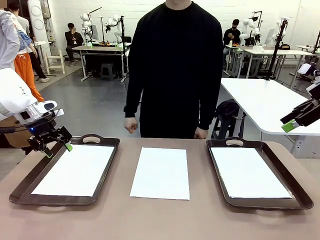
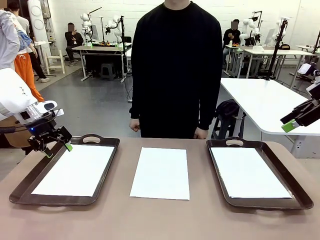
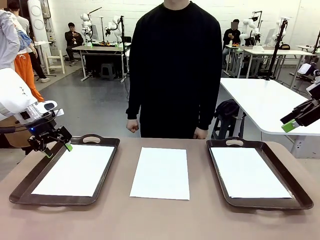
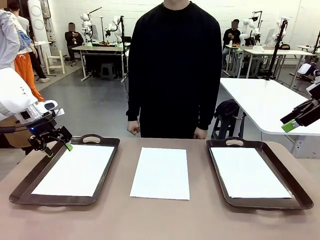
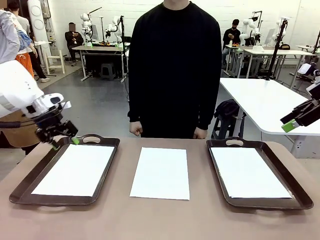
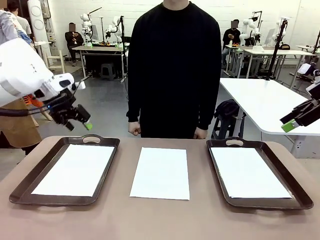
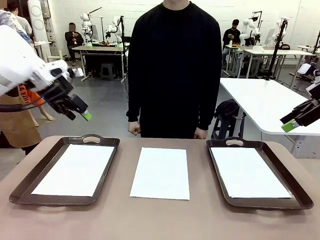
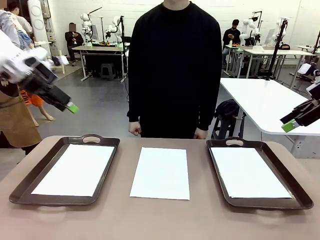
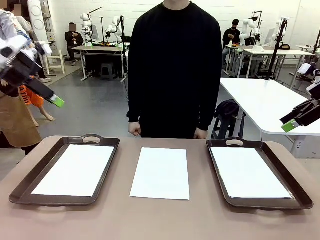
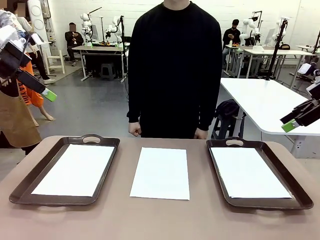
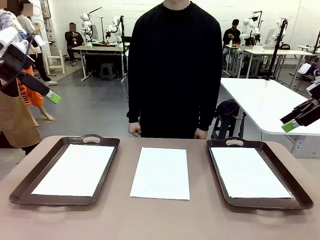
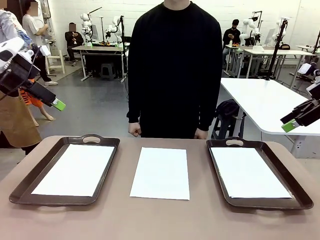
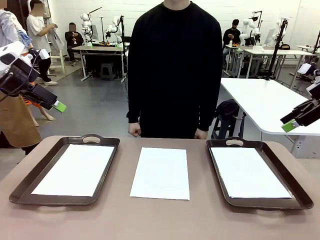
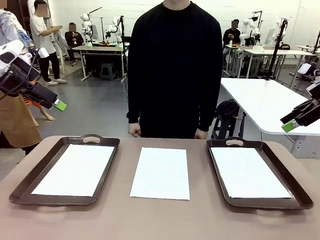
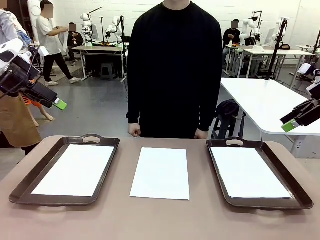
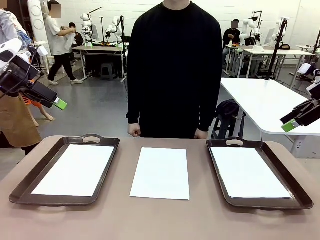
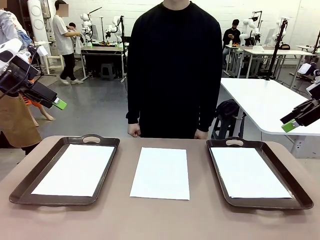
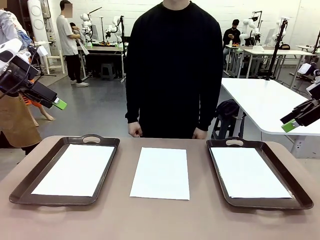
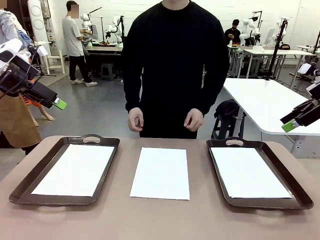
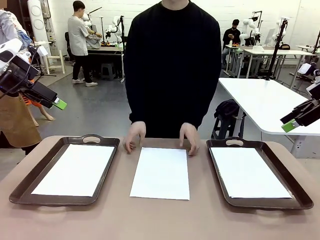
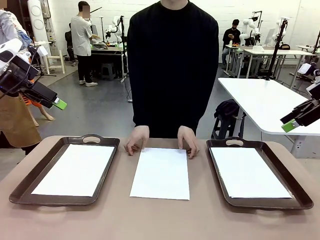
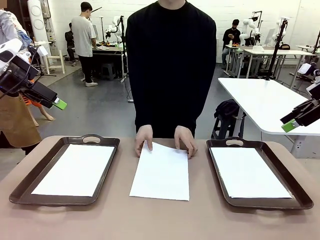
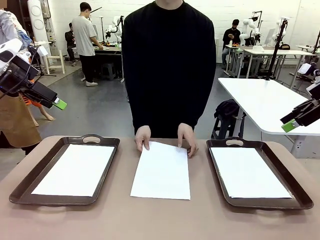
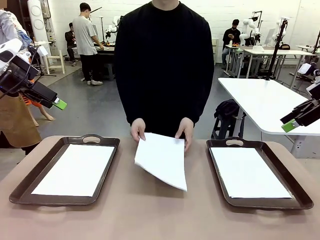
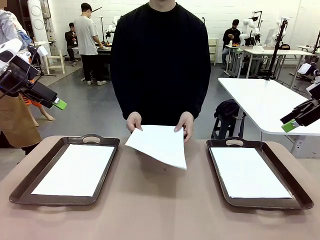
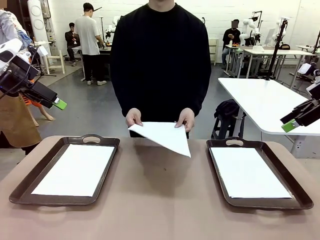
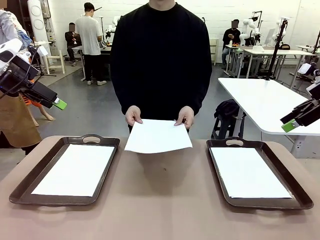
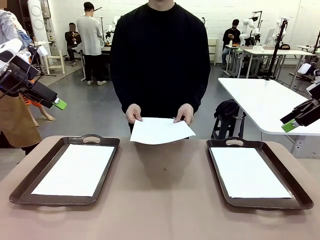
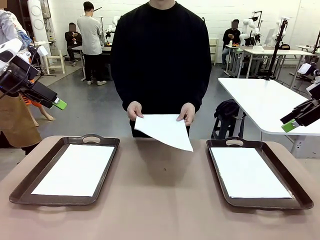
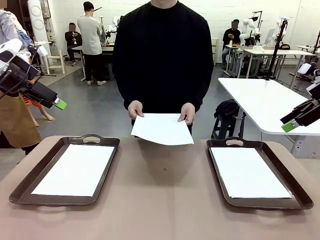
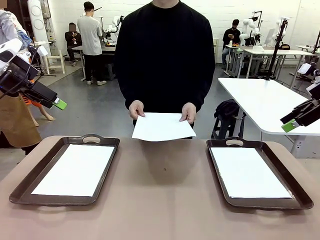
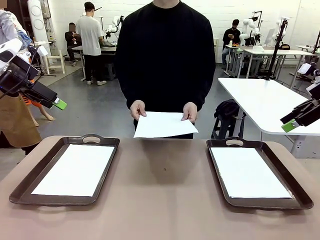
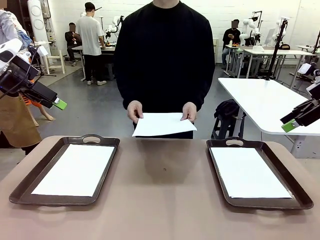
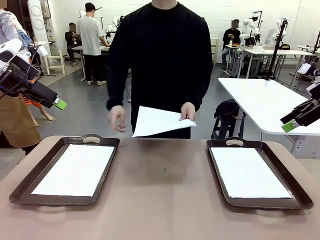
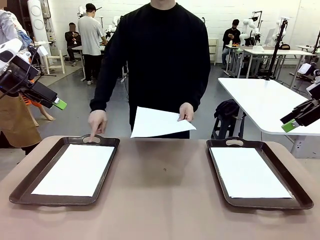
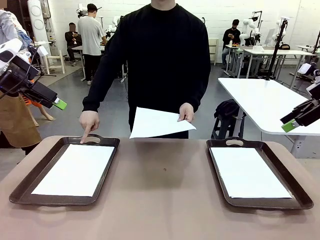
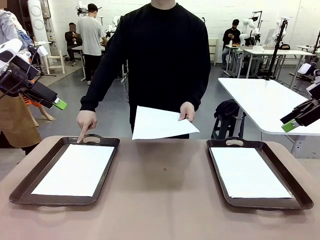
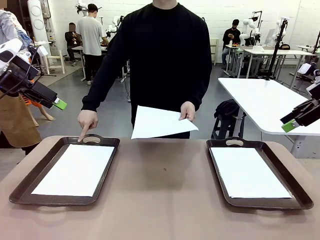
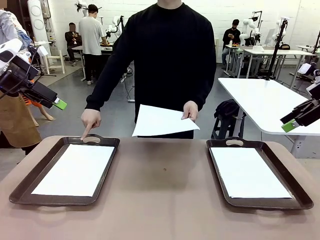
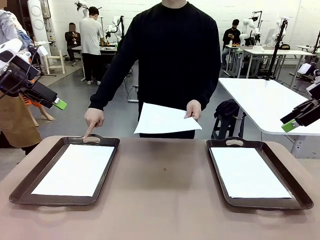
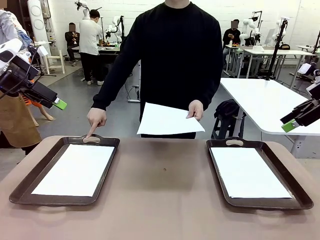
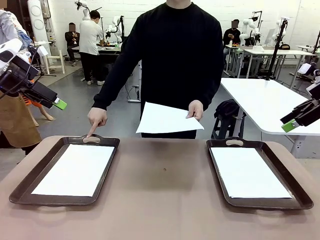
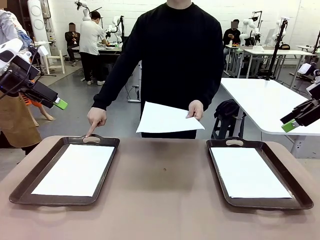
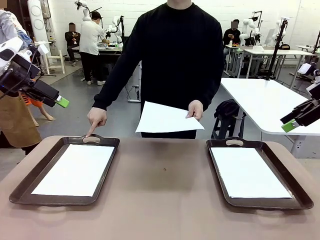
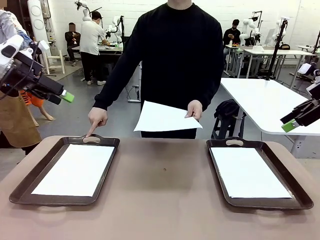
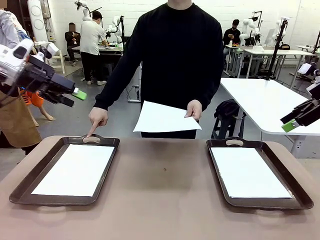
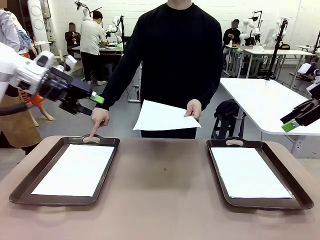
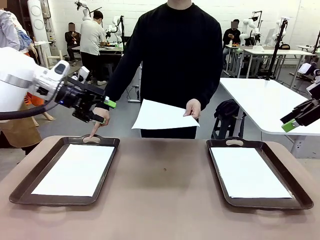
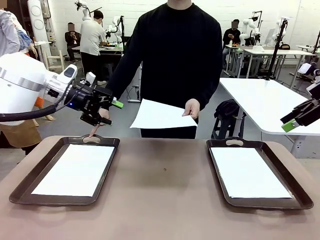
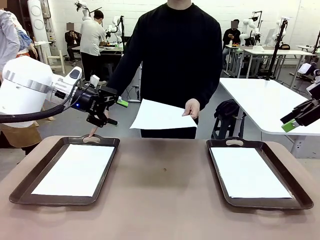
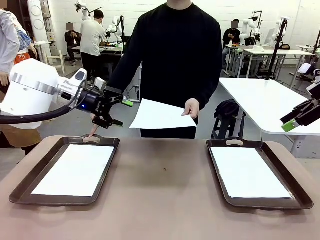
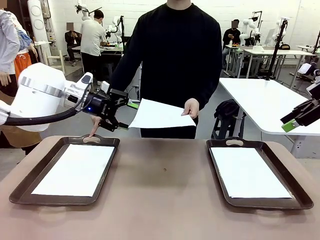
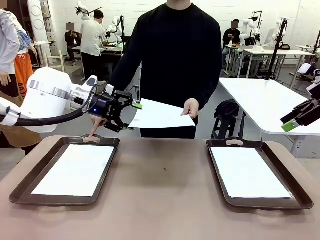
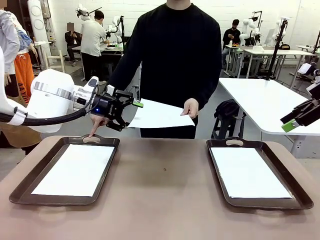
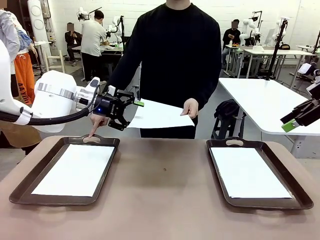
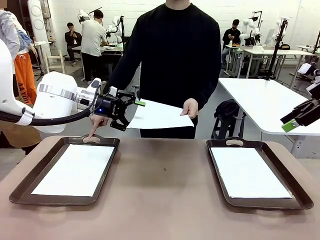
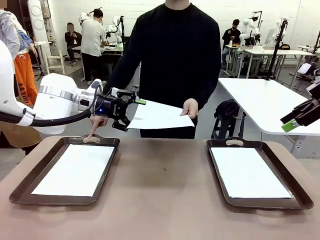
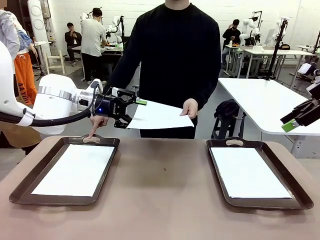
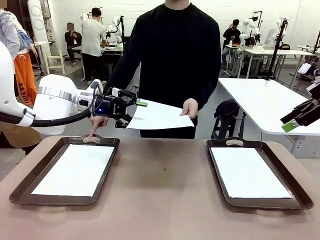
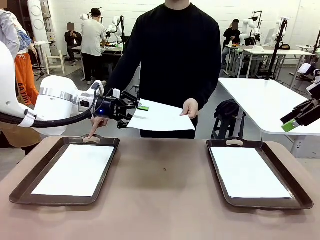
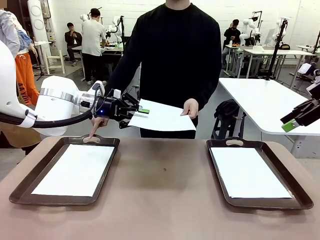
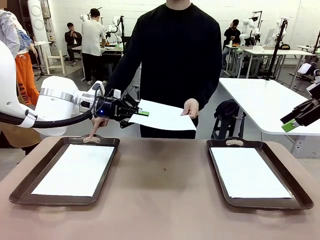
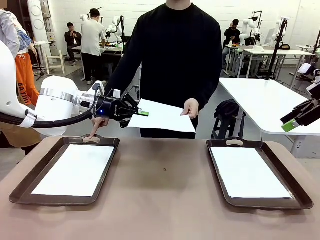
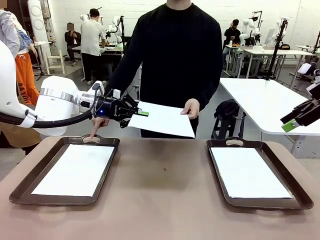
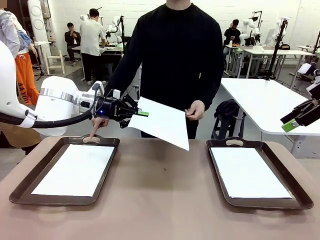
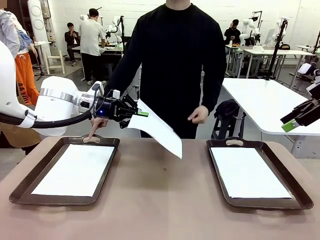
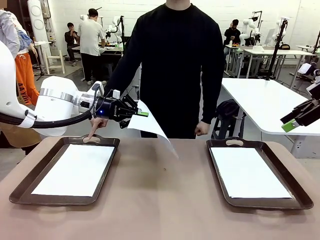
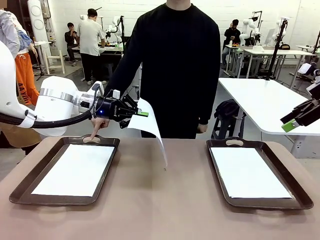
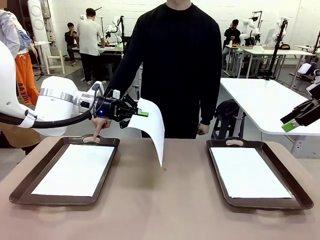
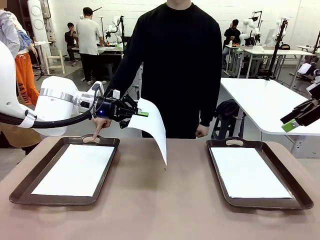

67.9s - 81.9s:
Task: Sort the A4 documents.
Robot: Receive the A4 Paper.
Person: Point the randomly selected tray with the other hand.

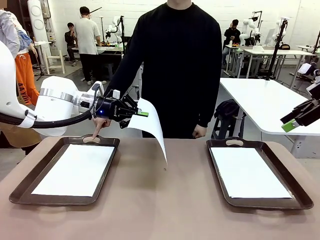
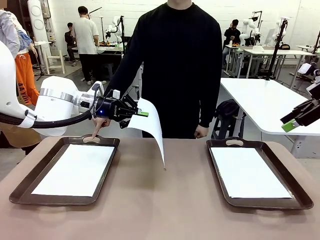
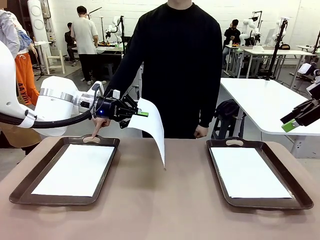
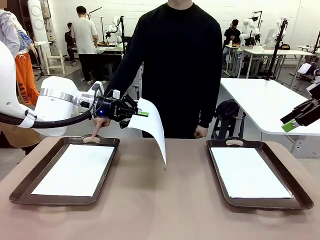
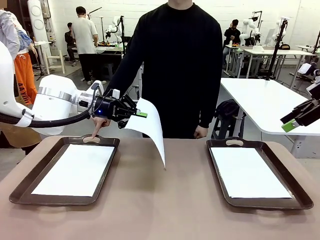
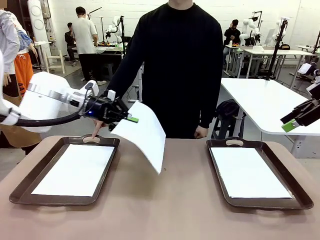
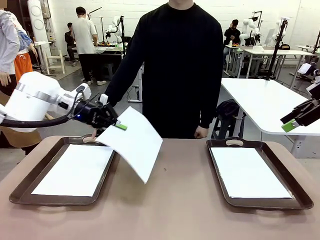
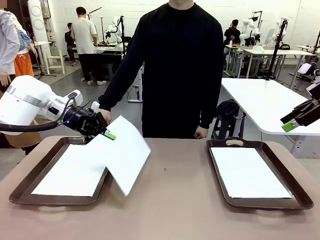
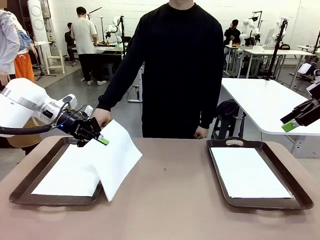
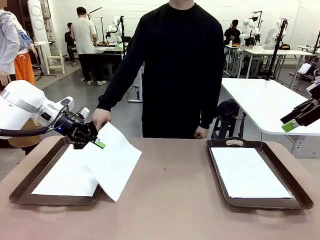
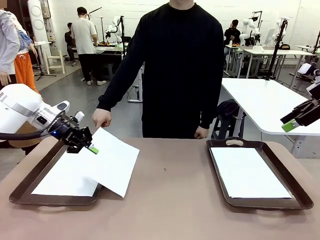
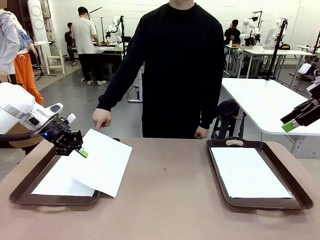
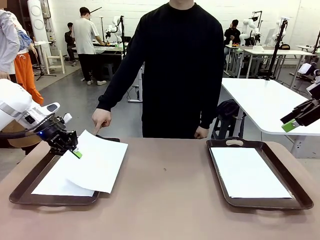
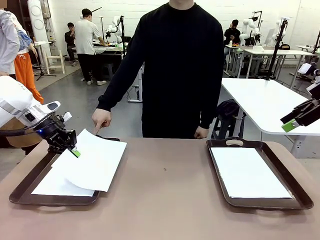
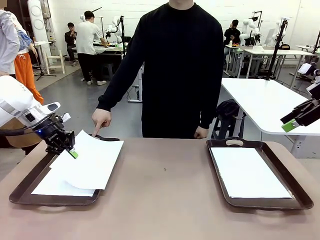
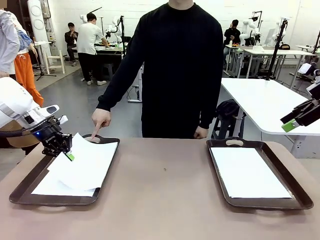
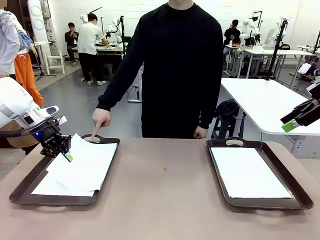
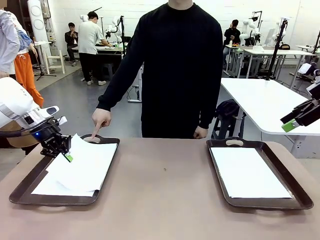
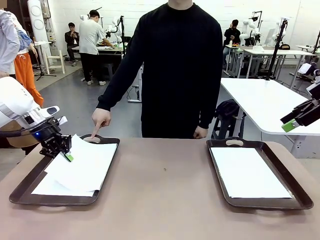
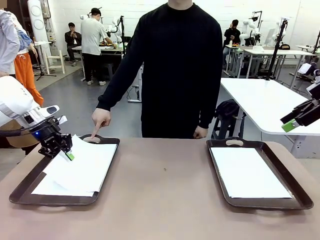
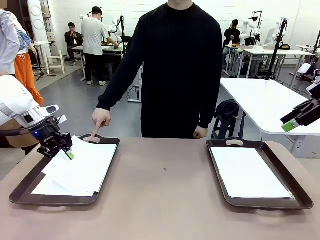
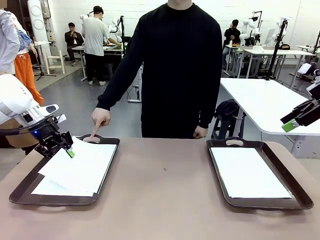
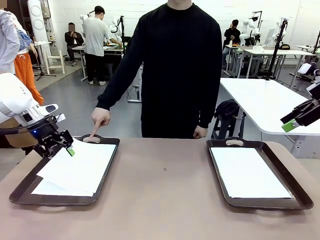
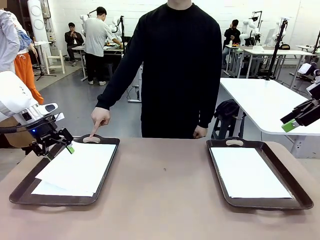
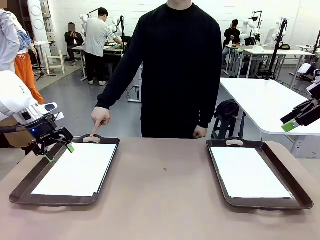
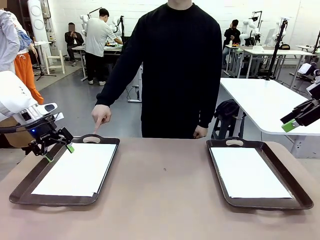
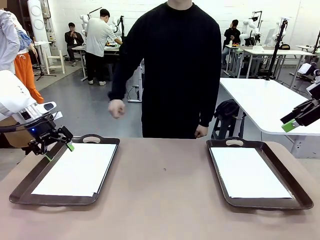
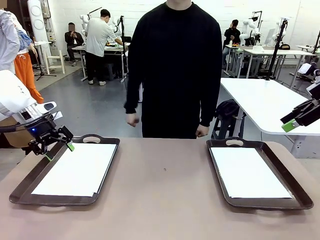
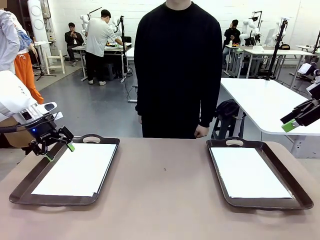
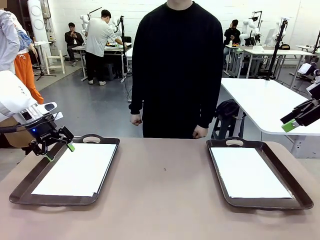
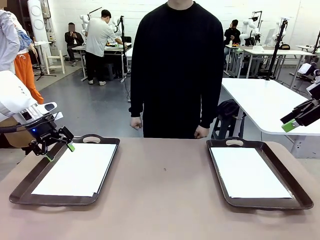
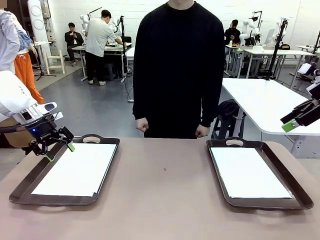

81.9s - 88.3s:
Robot: Place the A4 Paper in the designated Handle tray.
